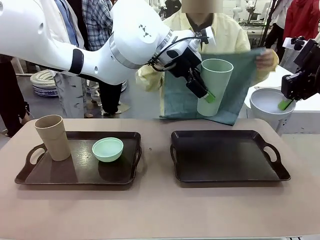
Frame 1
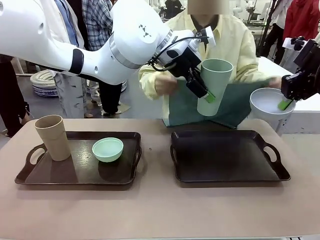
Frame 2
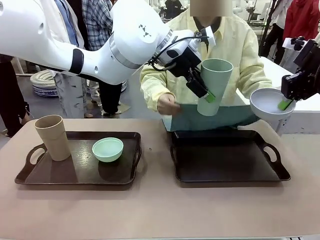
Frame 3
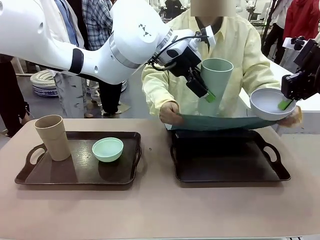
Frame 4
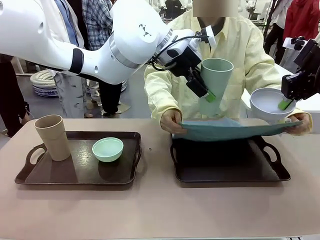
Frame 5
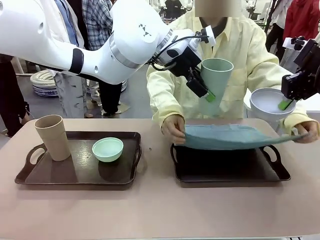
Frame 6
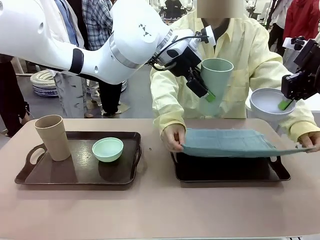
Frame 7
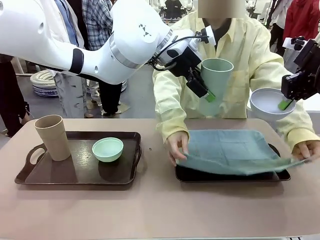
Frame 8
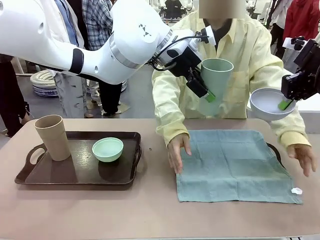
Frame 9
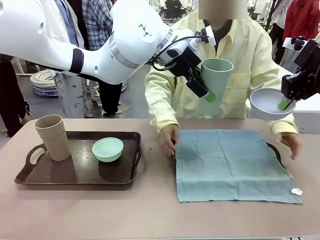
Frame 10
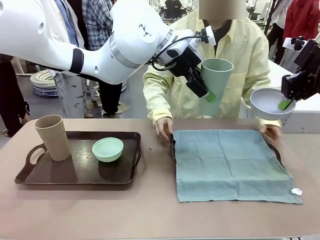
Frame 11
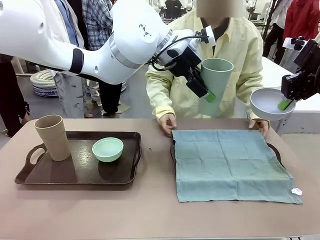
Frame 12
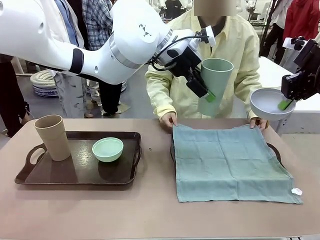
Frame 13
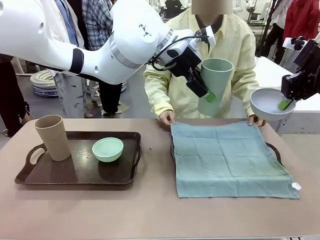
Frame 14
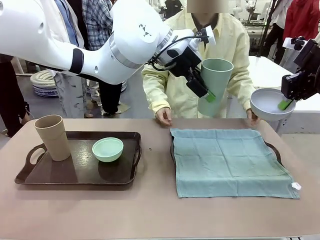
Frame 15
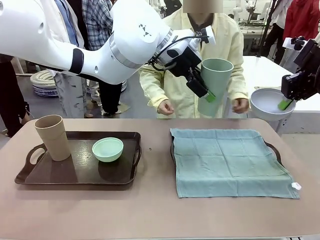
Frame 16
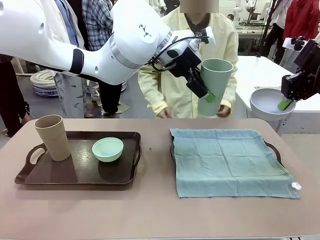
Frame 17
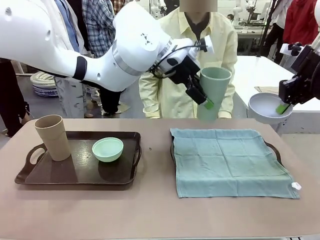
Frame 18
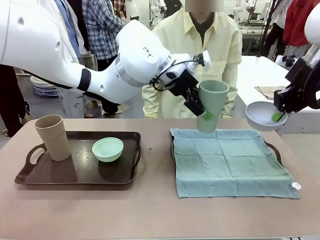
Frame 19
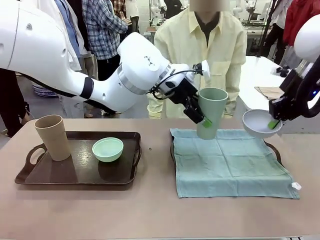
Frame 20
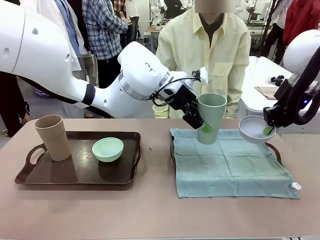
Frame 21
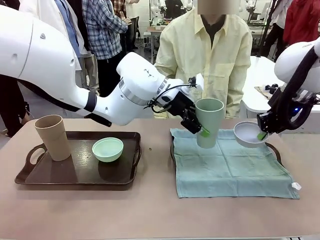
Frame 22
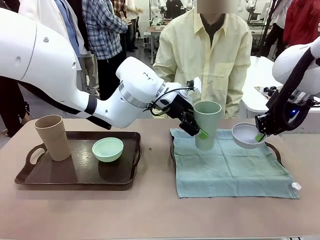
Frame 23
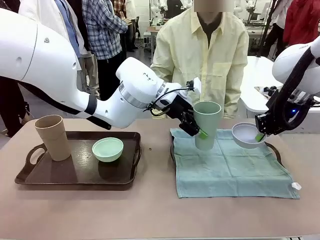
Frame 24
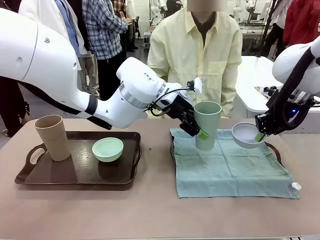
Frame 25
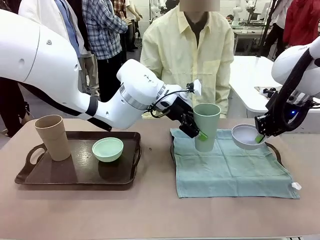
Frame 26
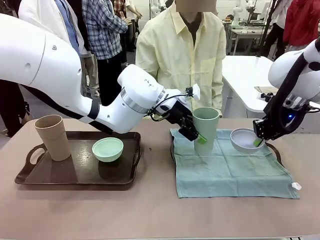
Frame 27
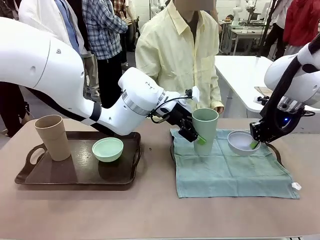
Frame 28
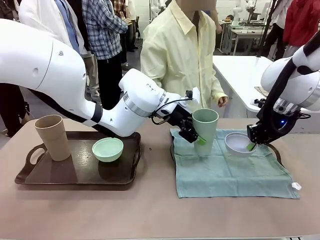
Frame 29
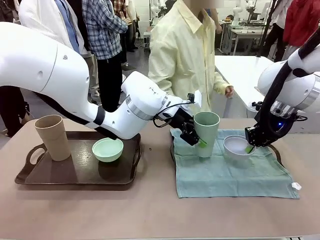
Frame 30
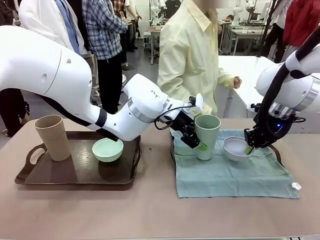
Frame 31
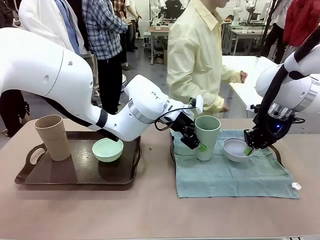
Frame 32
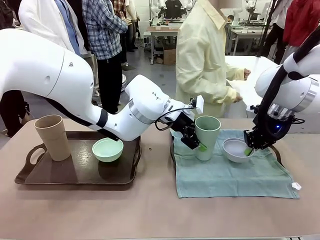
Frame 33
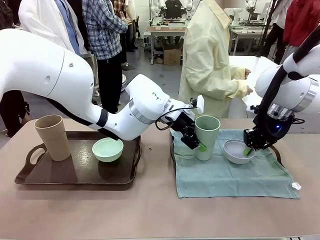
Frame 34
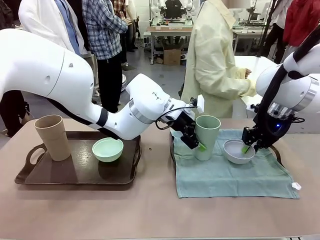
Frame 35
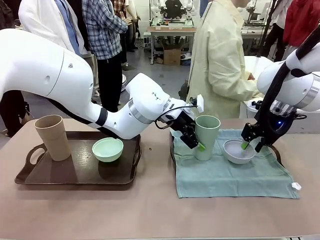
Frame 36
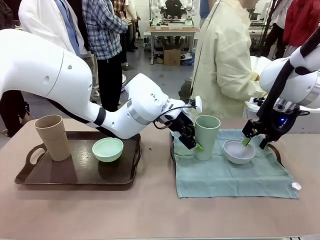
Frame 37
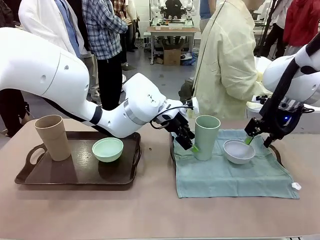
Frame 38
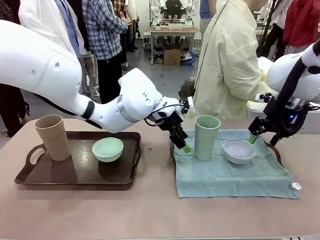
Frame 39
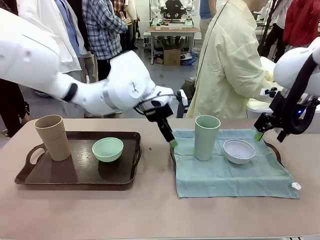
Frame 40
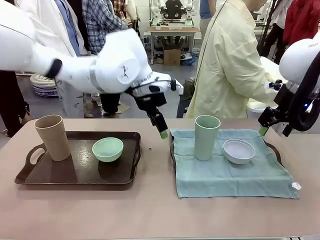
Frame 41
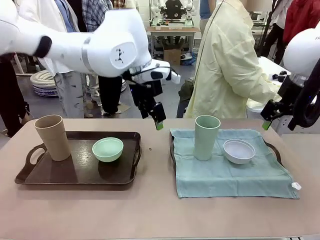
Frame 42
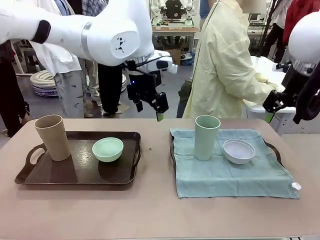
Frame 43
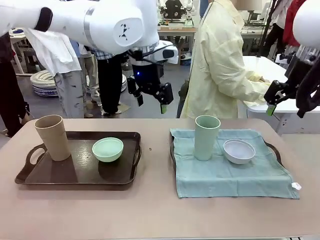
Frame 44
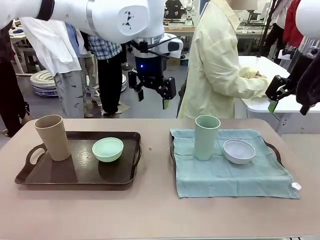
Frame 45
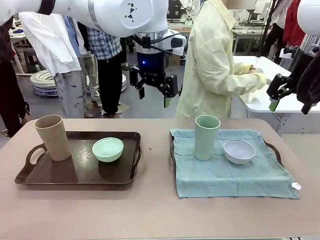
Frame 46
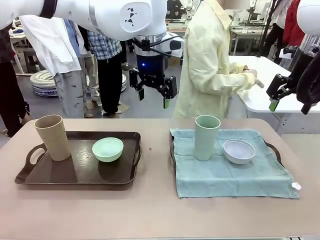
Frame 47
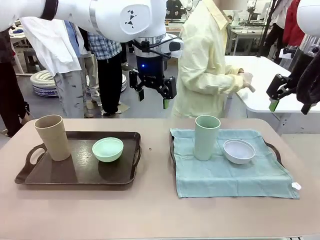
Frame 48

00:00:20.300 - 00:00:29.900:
Robot: Place the Picnic Bowl and Reusable plastic cup back onto the Handle tray in front of the human's position.
Person: The human returns to the human table to pick up another napkin and walks to the robot table to stand in front of the tray without a napkin.

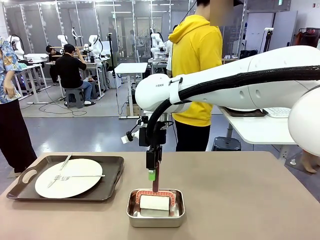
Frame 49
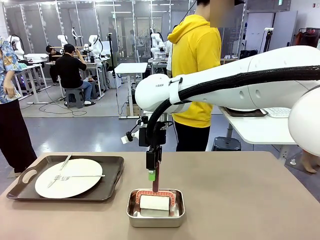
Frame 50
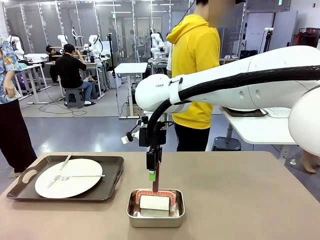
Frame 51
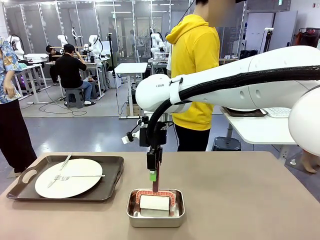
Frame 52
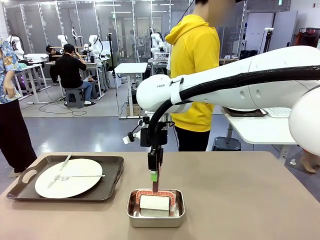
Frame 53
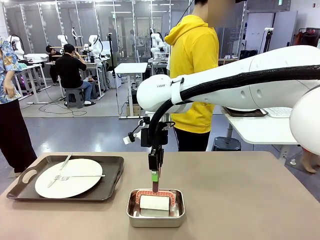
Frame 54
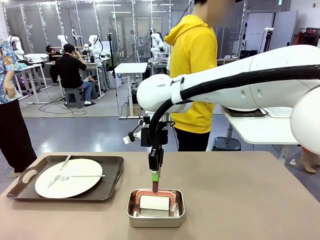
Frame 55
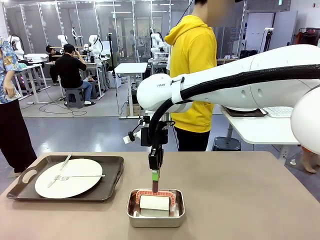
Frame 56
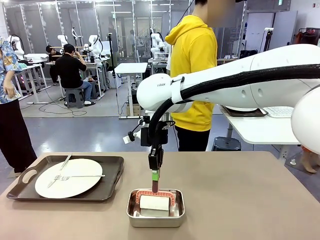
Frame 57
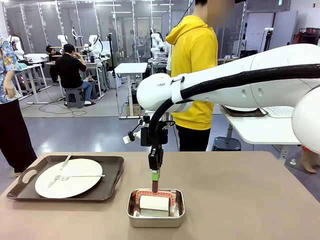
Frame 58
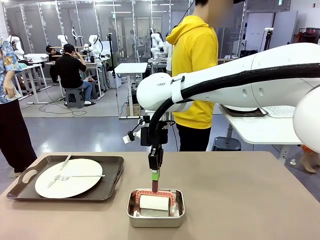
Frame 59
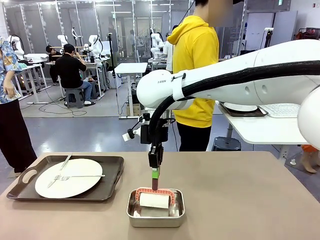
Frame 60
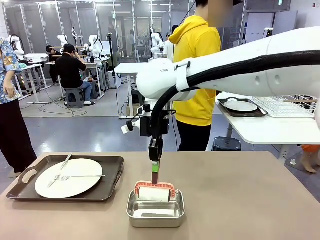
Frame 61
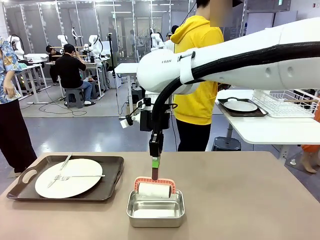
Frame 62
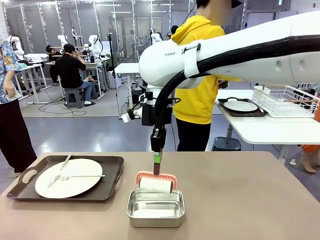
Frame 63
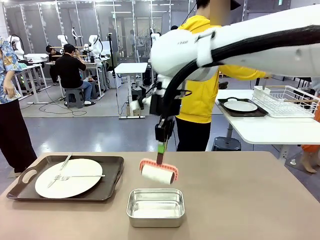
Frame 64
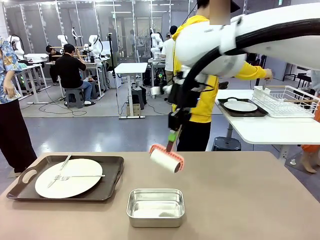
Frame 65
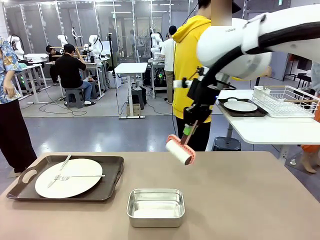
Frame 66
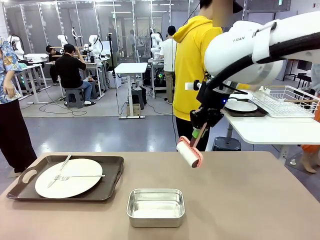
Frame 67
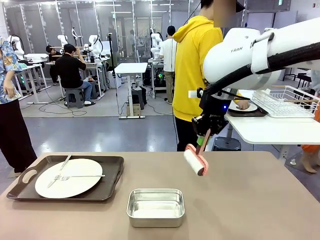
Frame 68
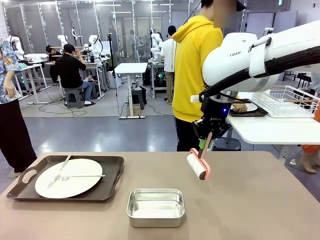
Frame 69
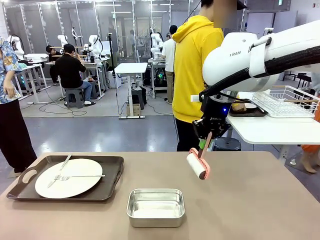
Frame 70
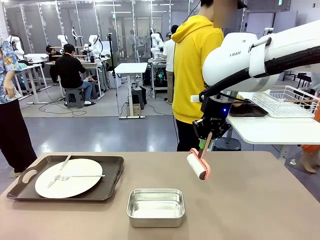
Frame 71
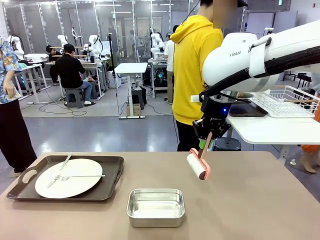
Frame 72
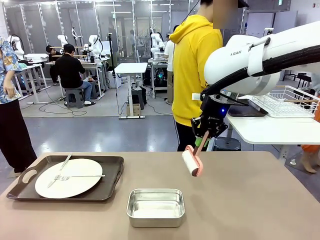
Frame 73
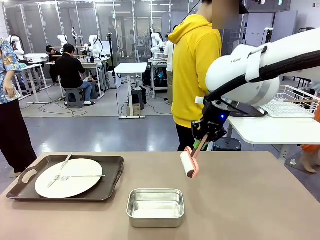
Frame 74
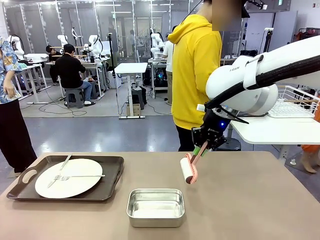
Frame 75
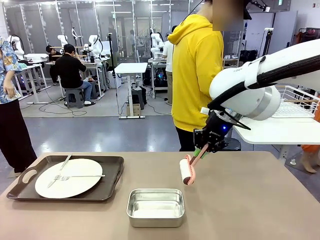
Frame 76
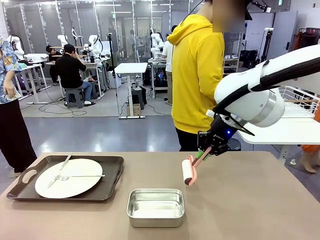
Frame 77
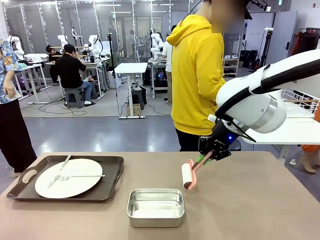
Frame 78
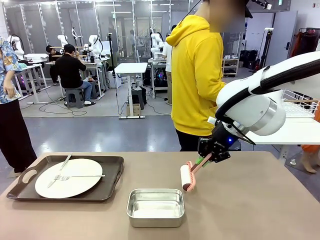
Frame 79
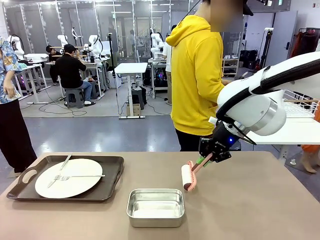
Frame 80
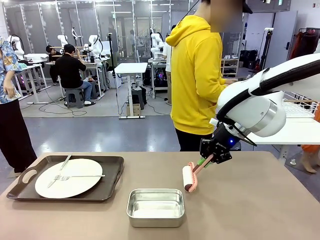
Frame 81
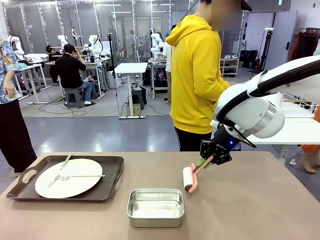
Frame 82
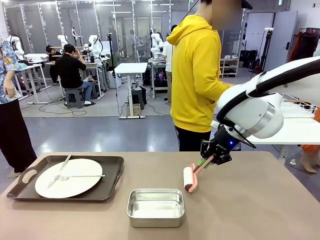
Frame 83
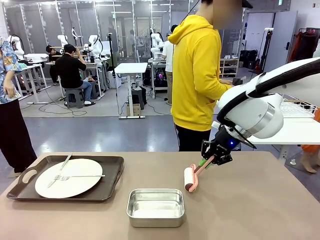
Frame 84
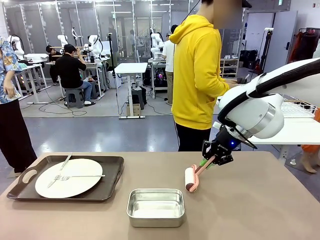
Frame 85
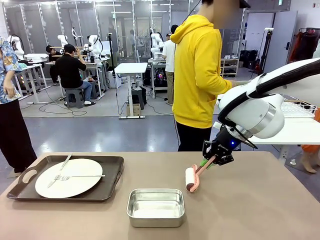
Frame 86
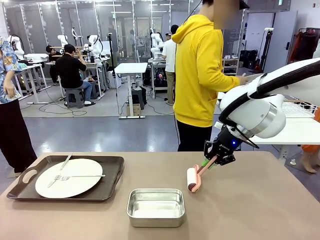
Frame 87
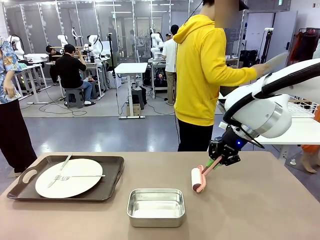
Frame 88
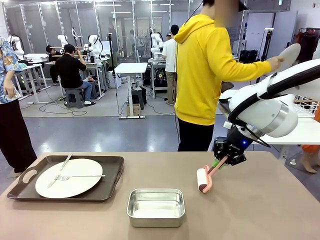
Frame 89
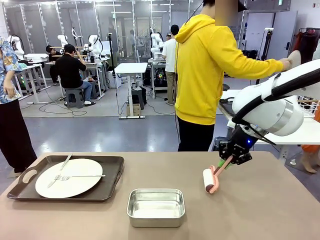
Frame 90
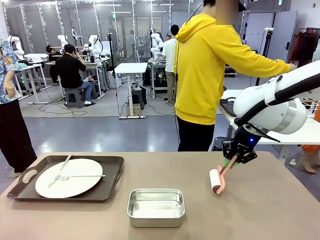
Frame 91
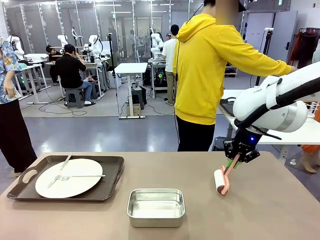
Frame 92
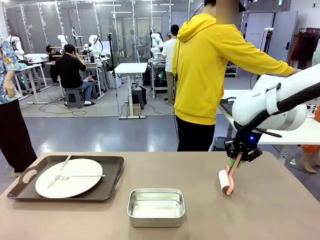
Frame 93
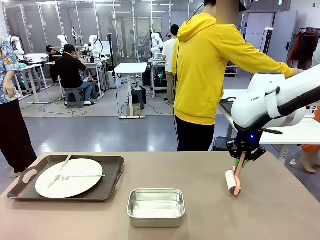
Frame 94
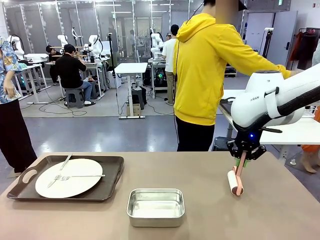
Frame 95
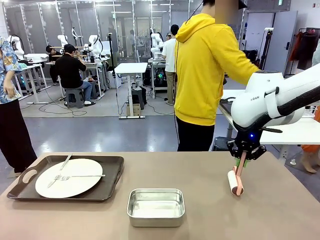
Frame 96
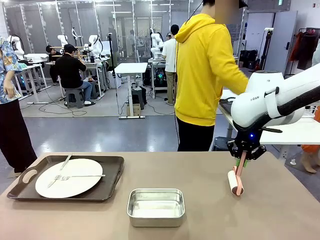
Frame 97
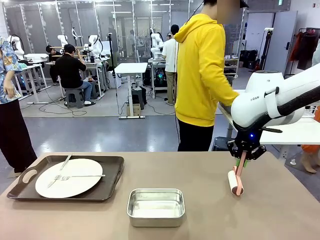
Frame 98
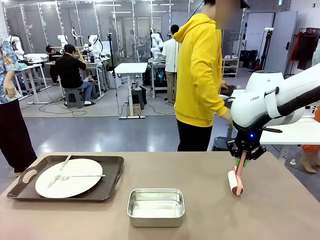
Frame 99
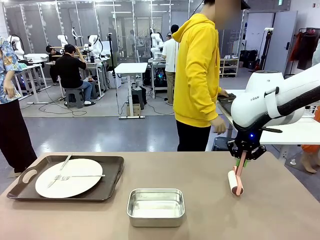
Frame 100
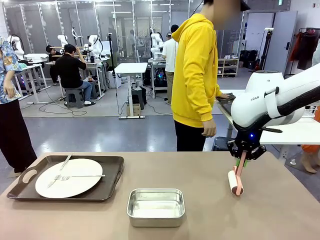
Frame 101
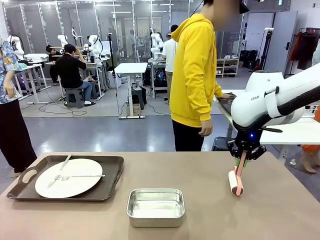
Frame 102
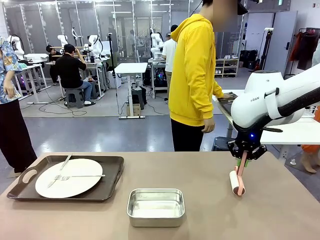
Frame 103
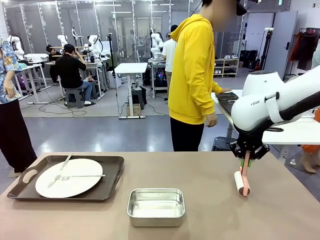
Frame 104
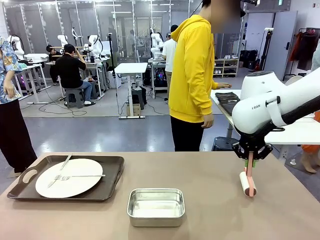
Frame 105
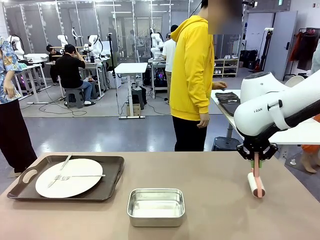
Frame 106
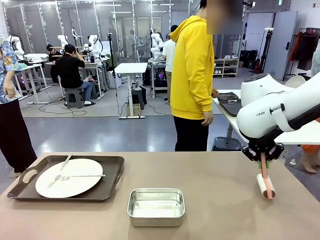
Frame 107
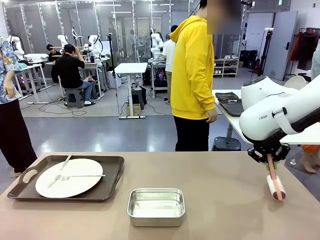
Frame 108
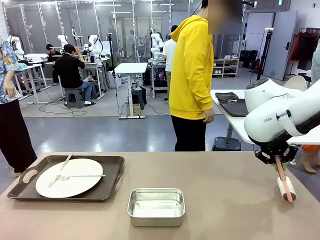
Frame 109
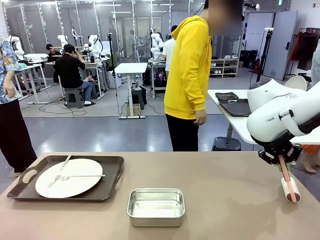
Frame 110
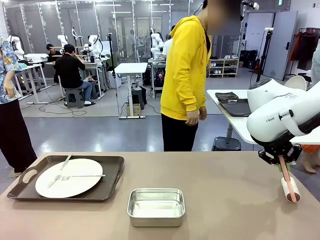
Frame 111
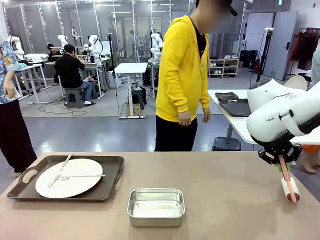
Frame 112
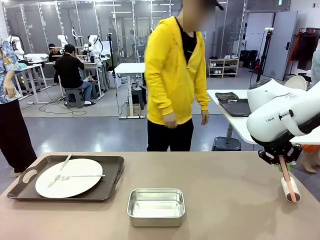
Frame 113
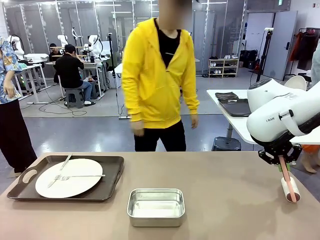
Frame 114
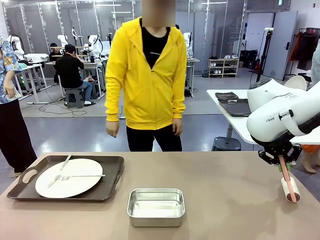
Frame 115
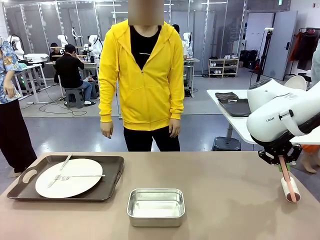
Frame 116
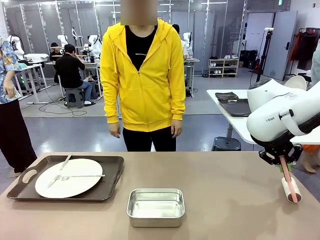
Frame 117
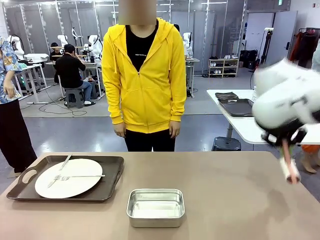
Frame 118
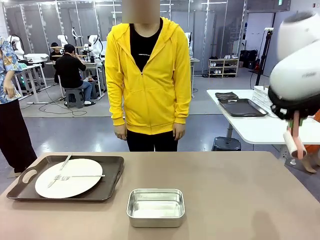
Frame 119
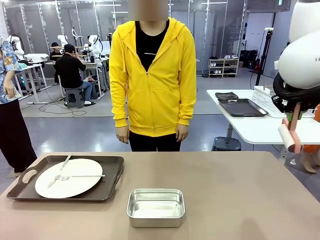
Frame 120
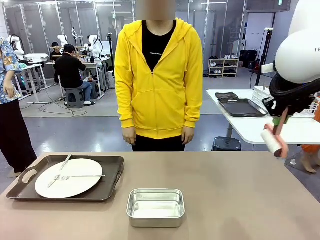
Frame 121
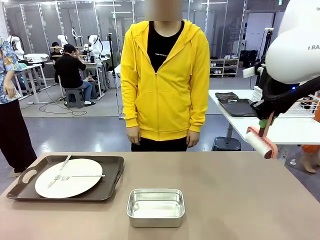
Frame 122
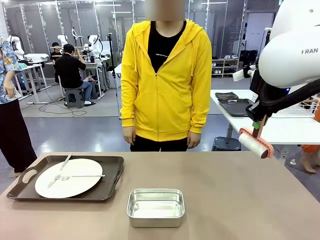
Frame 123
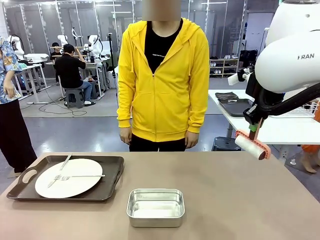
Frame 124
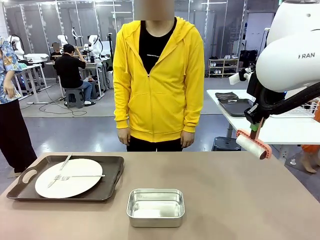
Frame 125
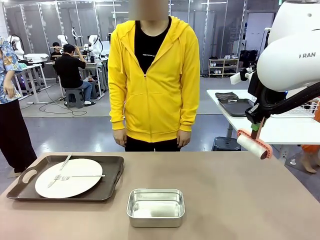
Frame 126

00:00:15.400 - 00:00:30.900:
Robot: When the left (or right) Handle tray is removed, use the left hand (or right hand) to clean the left (or right) side of the table with the Lint Roller.
Person: Use the Towel with hook to wipe the Plastic Matte Plate , Fork , and Knife and place into the Dish drying rack.
